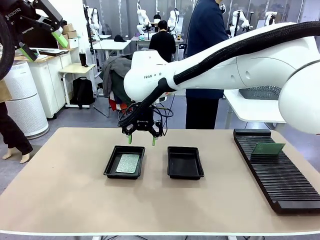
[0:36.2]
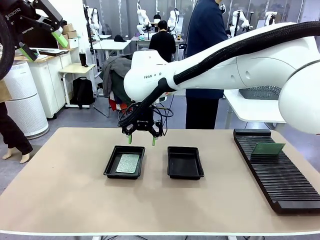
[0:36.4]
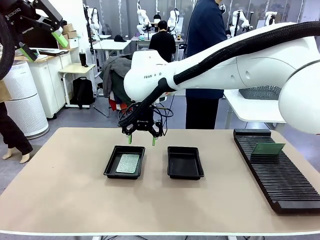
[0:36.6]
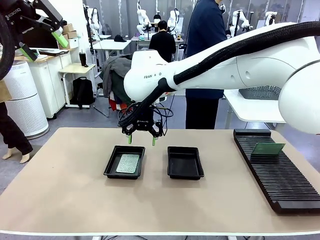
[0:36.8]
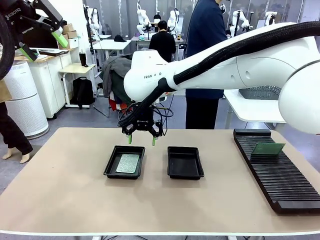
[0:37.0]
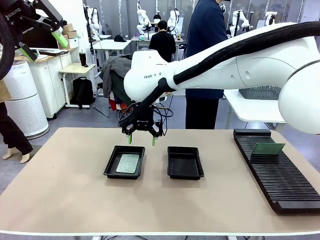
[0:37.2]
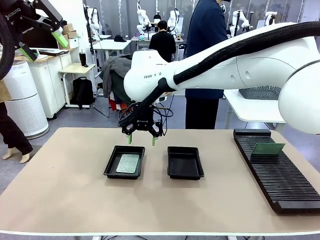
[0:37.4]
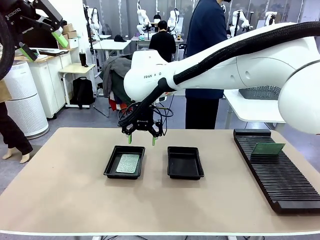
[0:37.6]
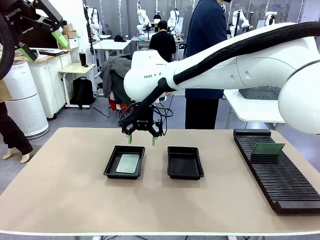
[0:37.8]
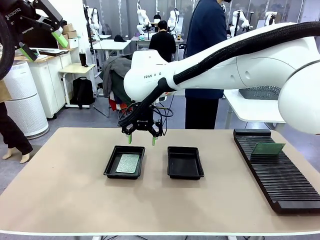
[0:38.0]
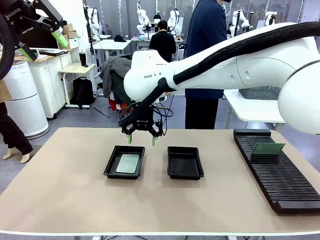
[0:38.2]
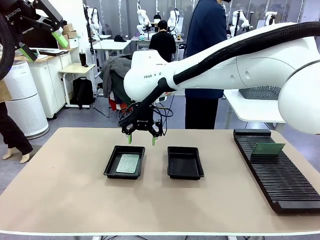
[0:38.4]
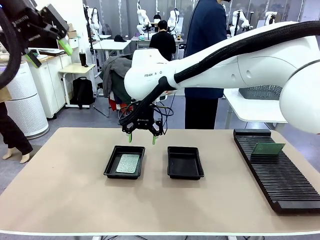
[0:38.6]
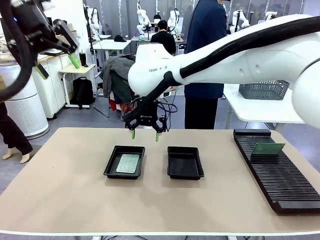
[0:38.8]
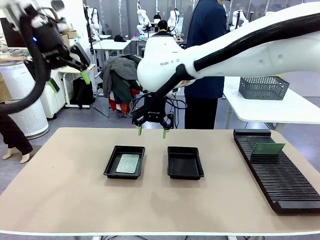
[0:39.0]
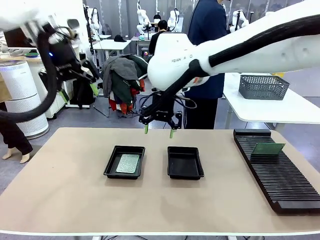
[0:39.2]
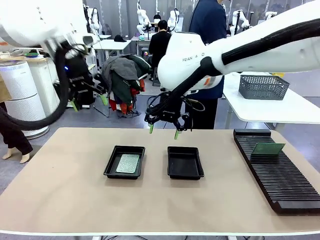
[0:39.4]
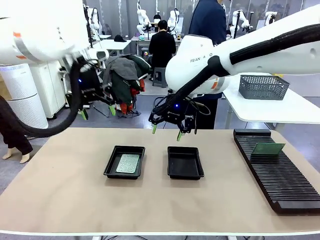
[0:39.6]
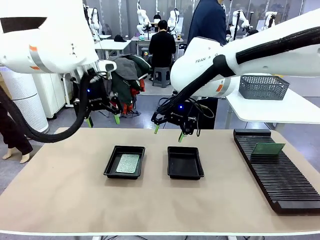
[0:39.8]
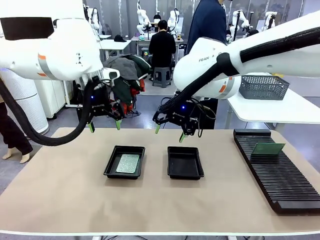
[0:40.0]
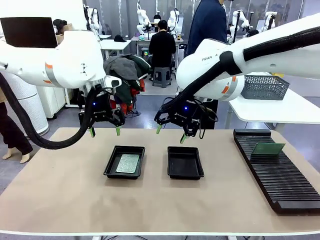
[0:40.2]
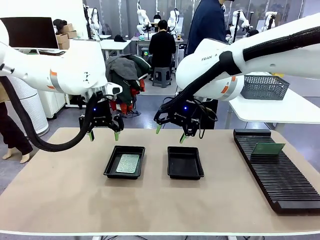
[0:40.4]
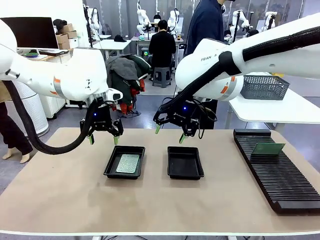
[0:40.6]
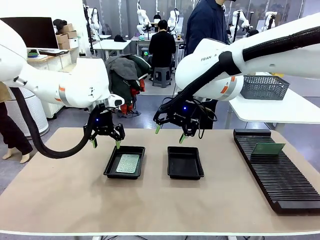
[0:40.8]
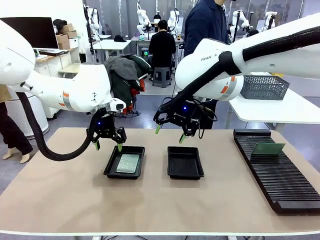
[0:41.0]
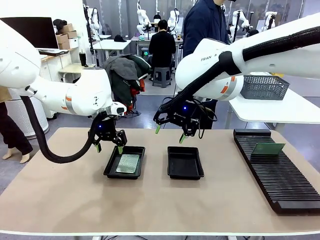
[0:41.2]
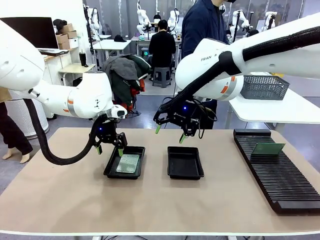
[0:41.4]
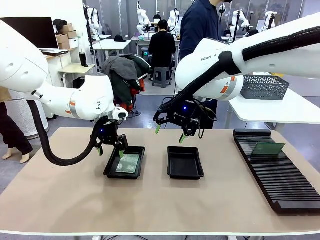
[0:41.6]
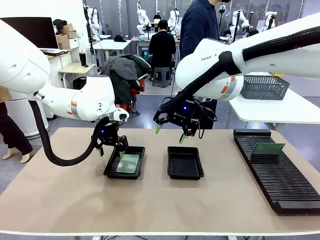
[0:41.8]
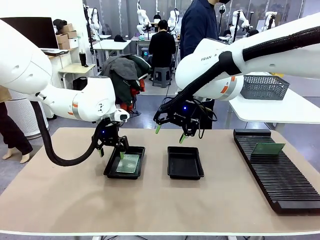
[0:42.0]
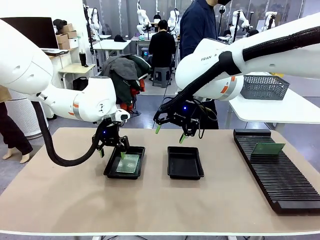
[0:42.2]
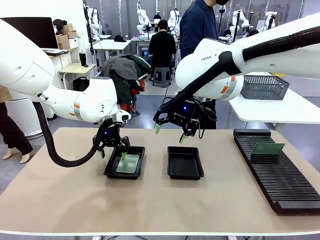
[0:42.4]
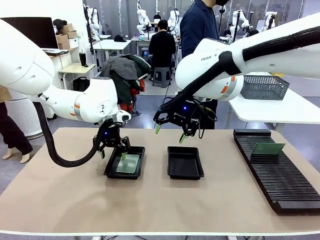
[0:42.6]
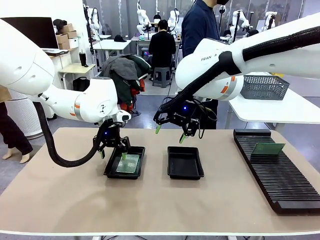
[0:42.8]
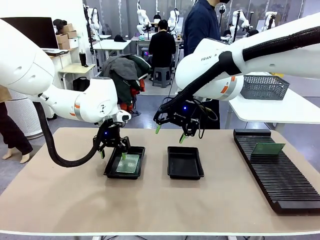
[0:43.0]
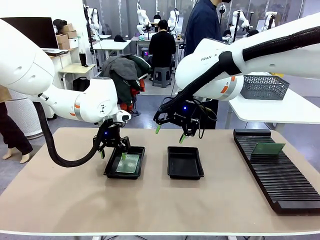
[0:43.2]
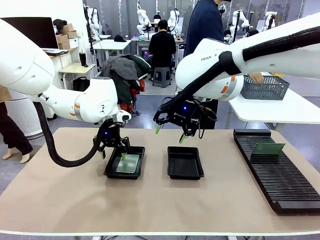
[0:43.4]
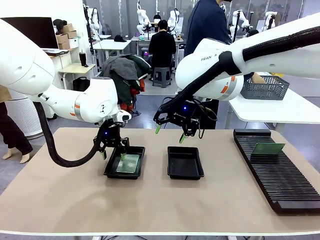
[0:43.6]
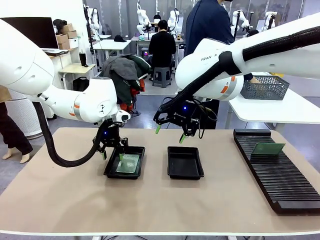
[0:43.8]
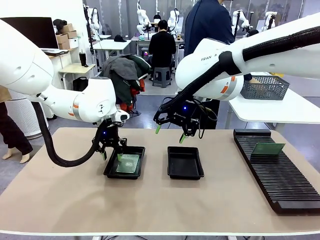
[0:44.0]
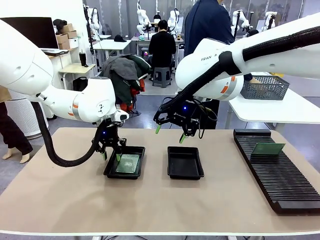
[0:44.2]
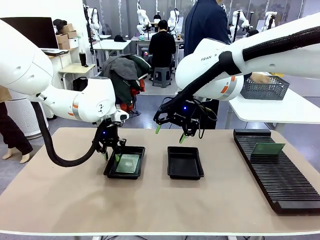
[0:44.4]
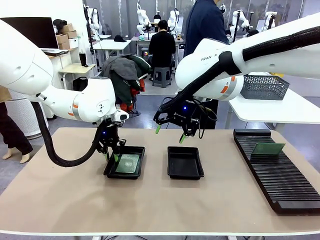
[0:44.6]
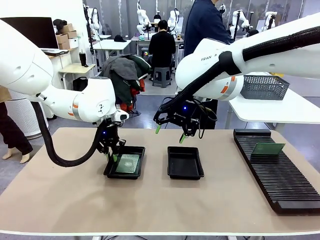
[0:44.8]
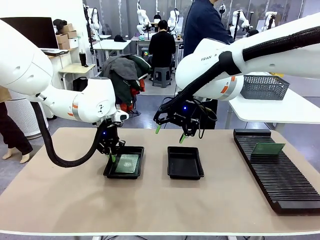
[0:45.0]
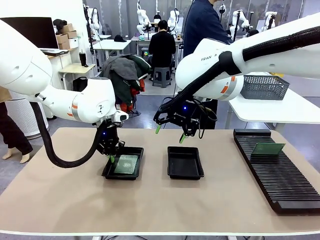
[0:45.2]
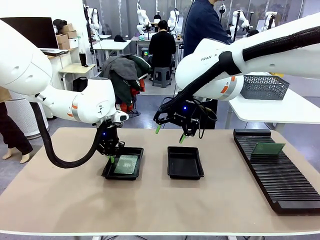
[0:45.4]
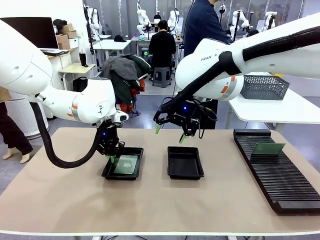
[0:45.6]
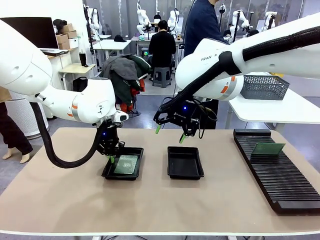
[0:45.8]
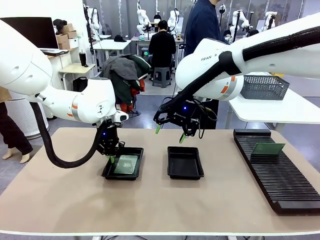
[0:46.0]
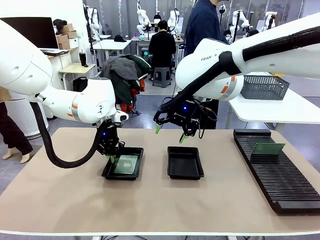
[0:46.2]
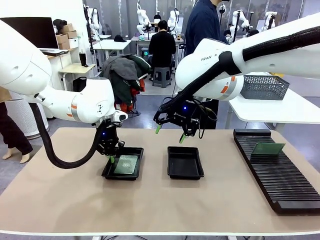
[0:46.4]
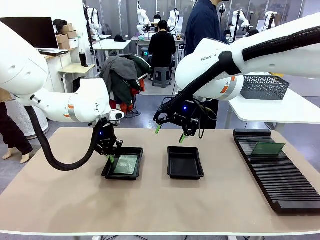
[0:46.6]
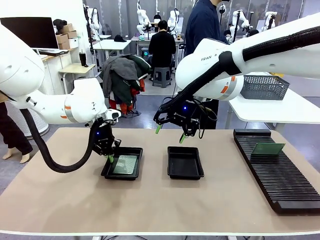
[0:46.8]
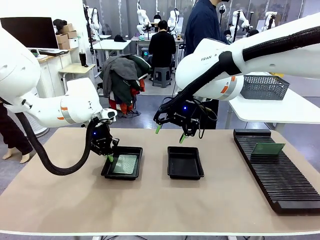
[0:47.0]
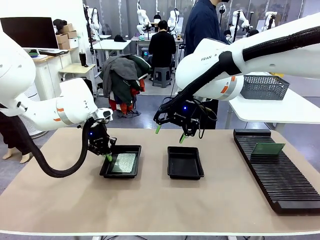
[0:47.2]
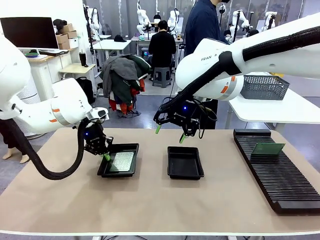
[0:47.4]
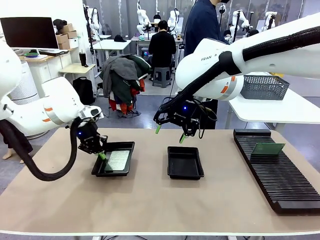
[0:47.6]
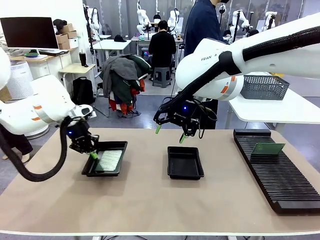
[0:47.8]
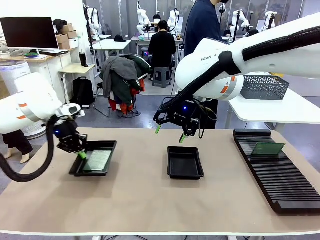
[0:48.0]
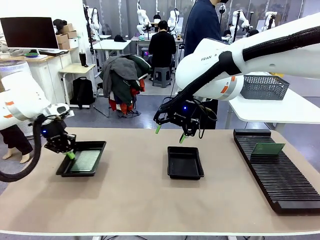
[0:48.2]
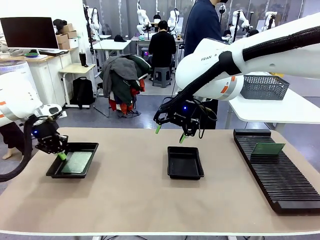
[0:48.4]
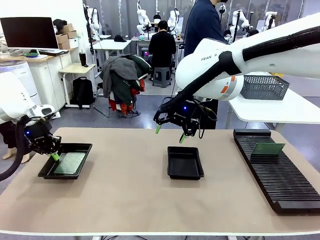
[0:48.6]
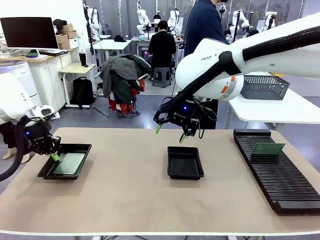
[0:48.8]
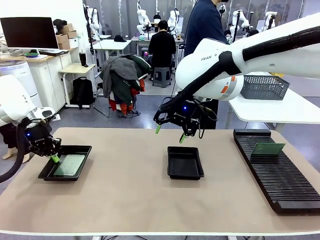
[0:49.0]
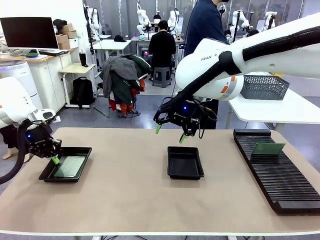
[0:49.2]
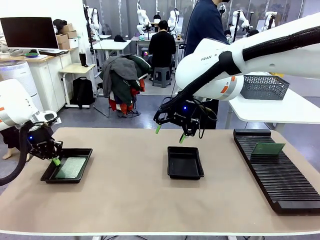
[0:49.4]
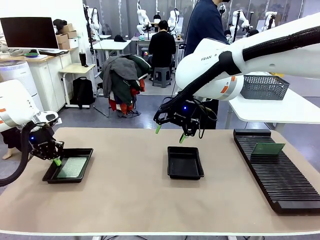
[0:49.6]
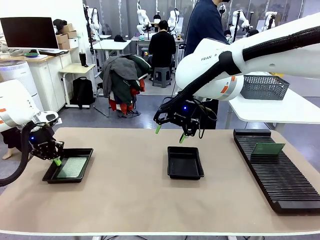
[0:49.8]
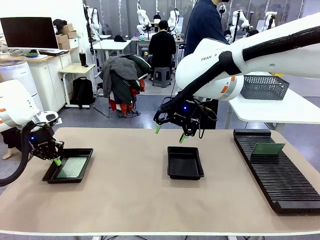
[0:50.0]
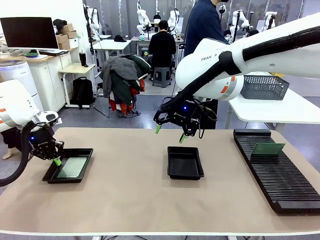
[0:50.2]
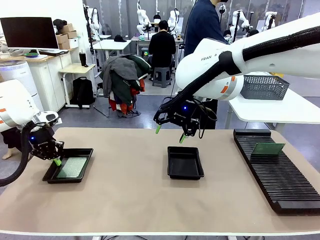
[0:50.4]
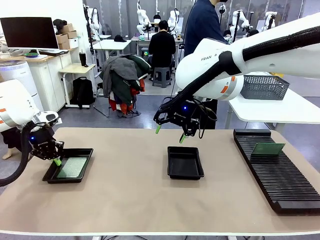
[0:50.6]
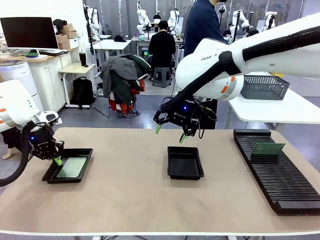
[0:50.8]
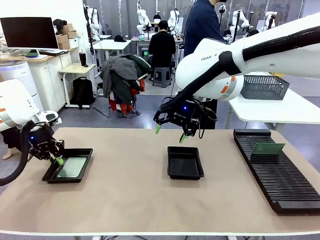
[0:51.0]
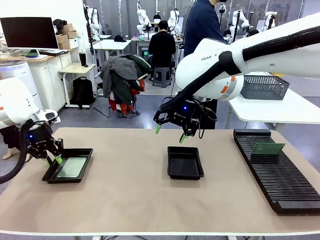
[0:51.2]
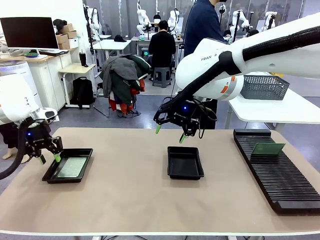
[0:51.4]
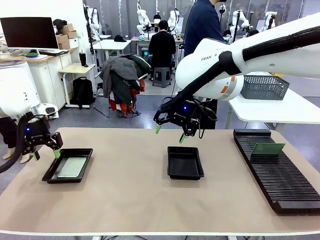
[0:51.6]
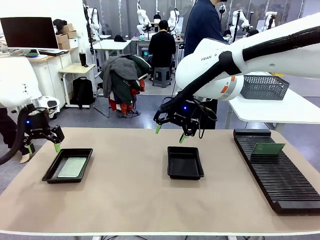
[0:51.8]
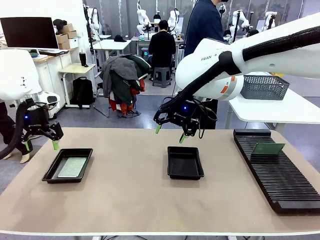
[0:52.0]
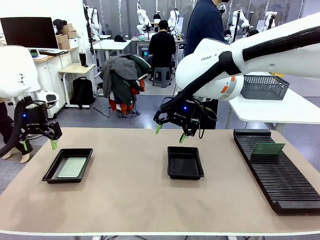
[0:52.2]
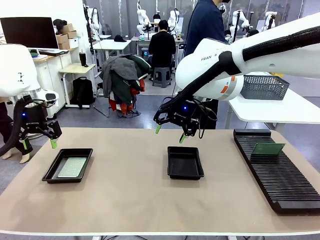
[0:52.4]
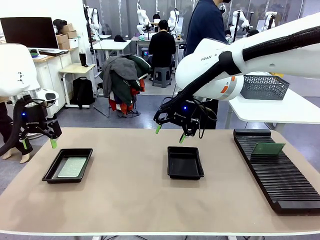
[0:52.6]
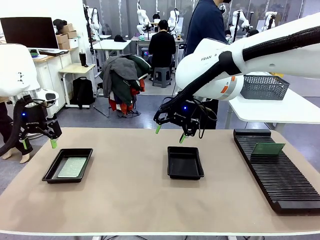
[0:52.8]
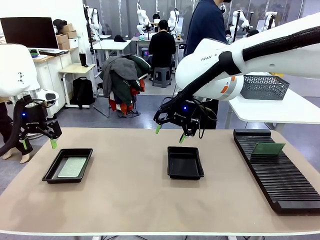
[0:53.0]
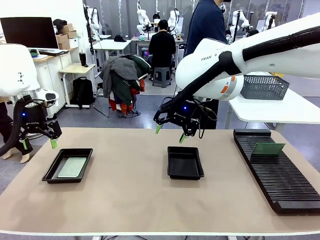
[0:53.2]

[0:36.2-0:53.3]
Task: Inspect and transfer BCBs to ESD trays.
Robot: Pick up the ESD tray and place it on the left side of the table.
